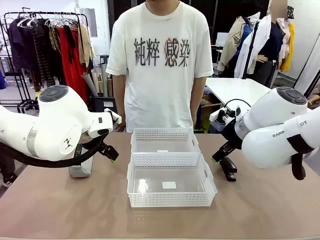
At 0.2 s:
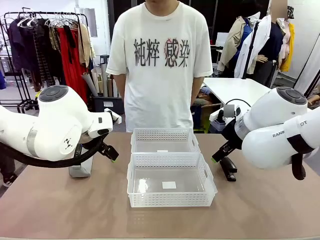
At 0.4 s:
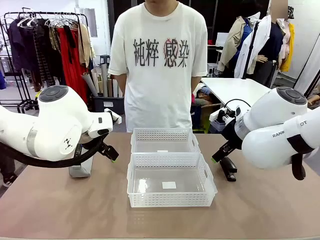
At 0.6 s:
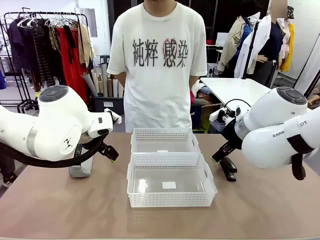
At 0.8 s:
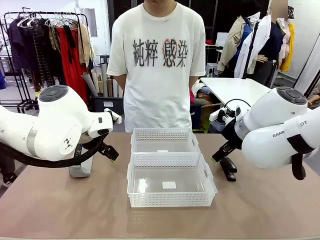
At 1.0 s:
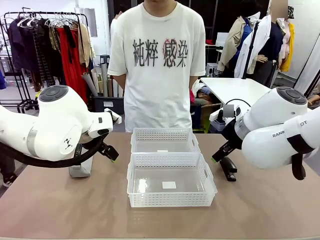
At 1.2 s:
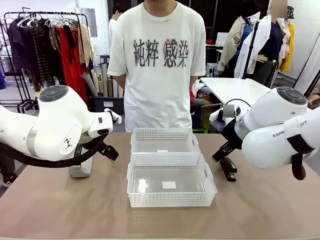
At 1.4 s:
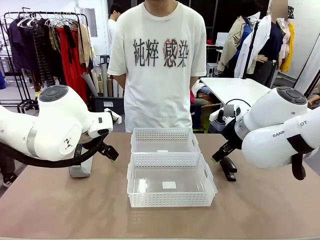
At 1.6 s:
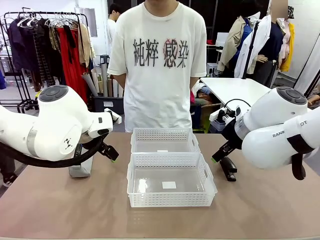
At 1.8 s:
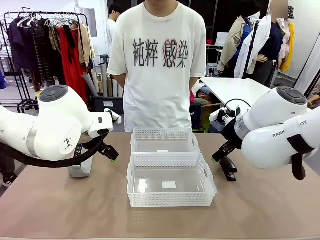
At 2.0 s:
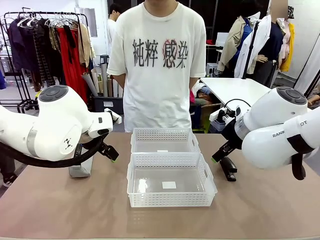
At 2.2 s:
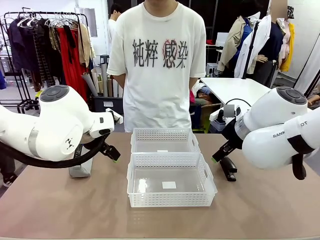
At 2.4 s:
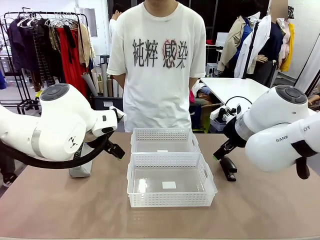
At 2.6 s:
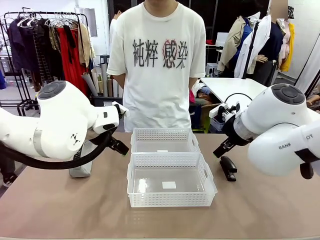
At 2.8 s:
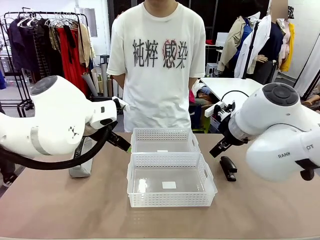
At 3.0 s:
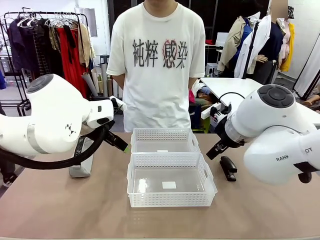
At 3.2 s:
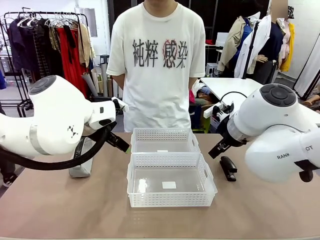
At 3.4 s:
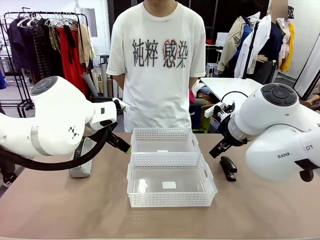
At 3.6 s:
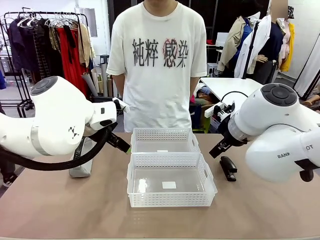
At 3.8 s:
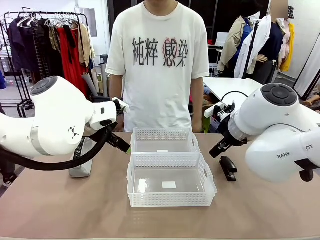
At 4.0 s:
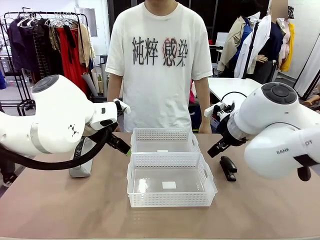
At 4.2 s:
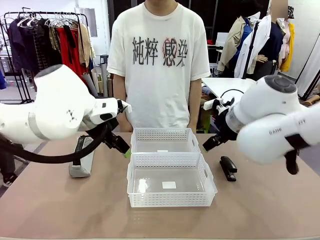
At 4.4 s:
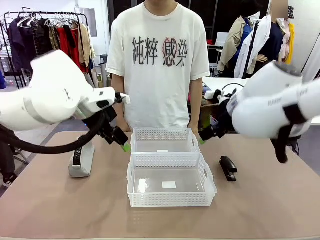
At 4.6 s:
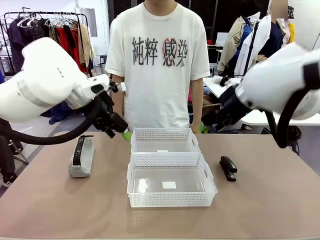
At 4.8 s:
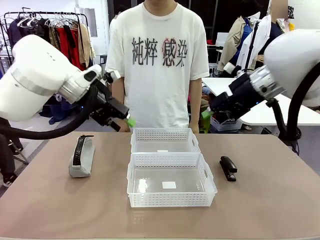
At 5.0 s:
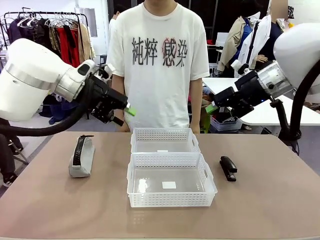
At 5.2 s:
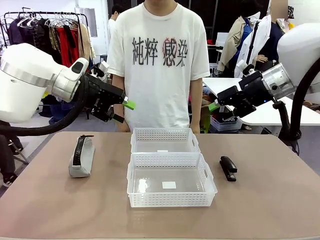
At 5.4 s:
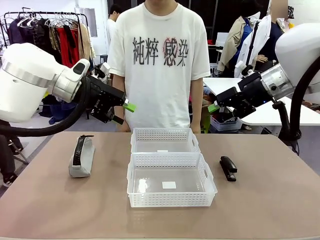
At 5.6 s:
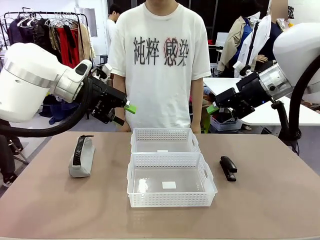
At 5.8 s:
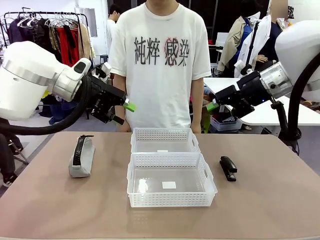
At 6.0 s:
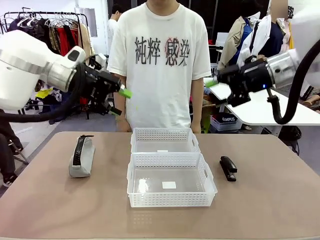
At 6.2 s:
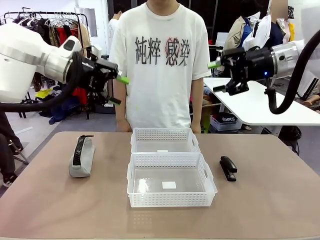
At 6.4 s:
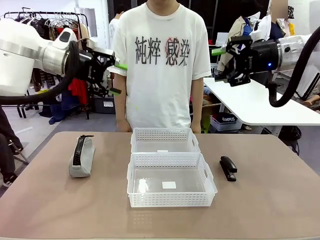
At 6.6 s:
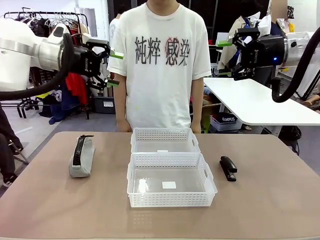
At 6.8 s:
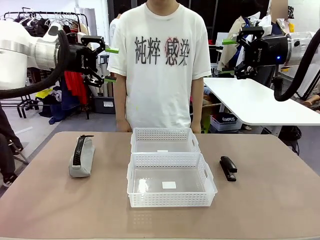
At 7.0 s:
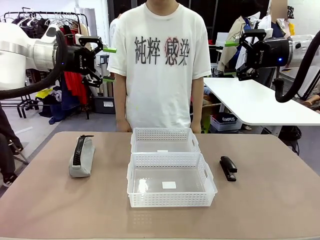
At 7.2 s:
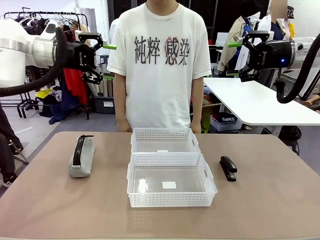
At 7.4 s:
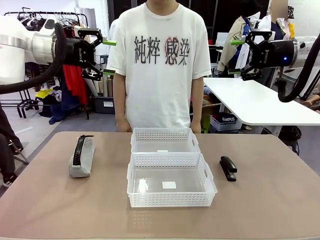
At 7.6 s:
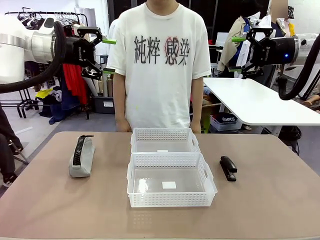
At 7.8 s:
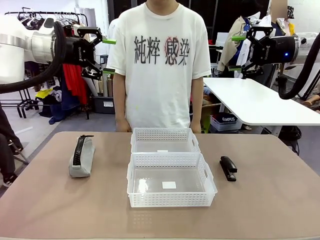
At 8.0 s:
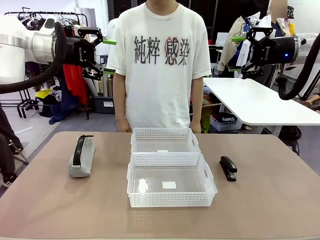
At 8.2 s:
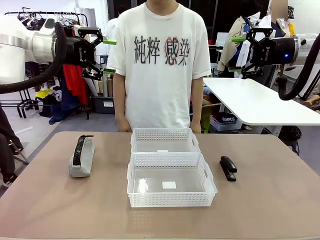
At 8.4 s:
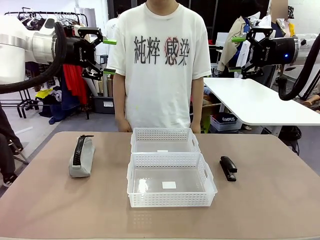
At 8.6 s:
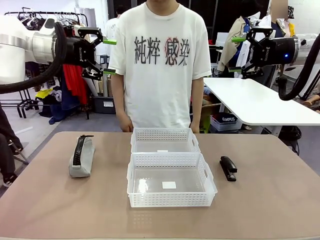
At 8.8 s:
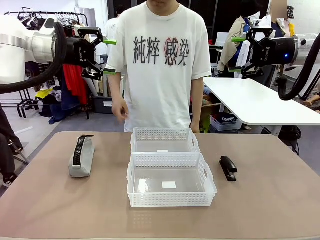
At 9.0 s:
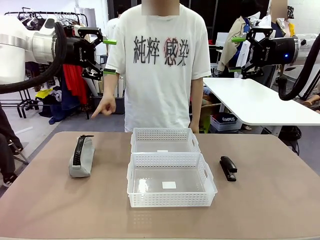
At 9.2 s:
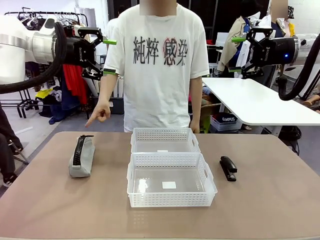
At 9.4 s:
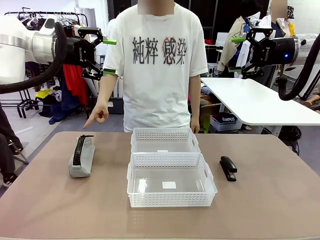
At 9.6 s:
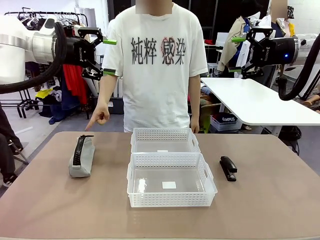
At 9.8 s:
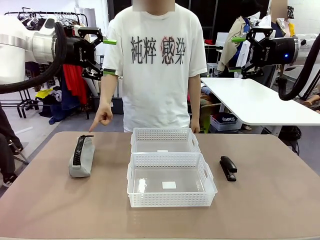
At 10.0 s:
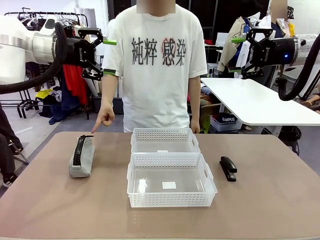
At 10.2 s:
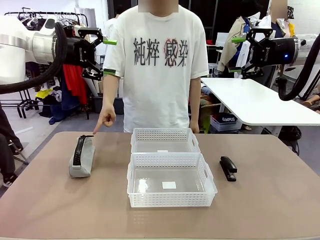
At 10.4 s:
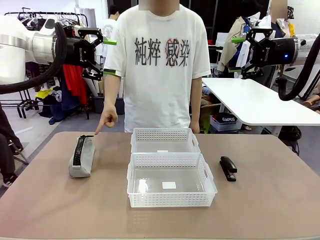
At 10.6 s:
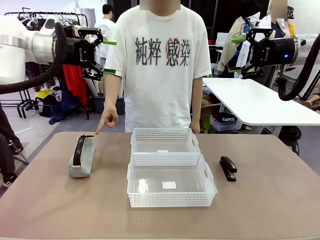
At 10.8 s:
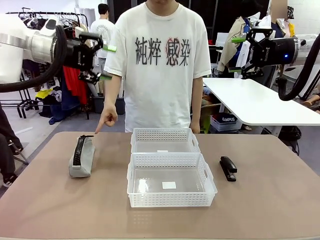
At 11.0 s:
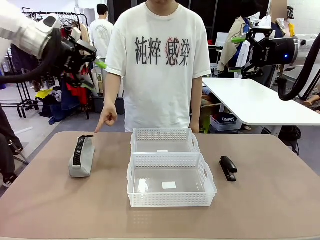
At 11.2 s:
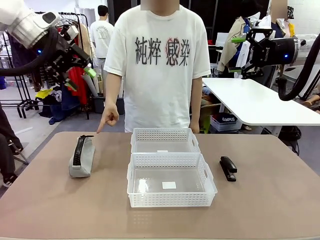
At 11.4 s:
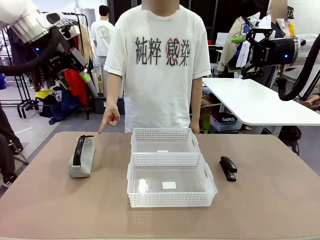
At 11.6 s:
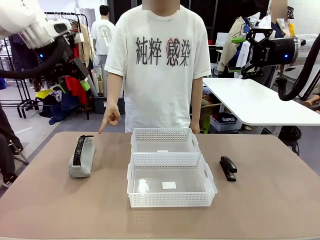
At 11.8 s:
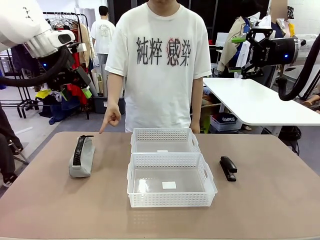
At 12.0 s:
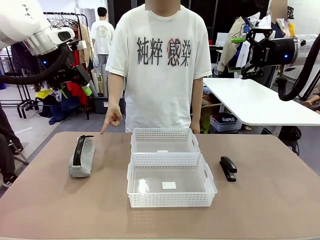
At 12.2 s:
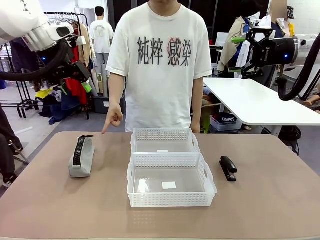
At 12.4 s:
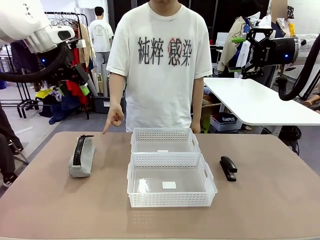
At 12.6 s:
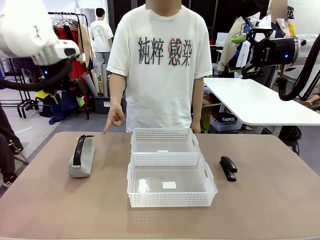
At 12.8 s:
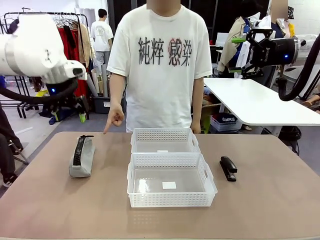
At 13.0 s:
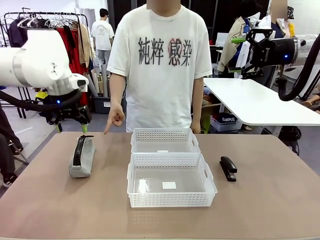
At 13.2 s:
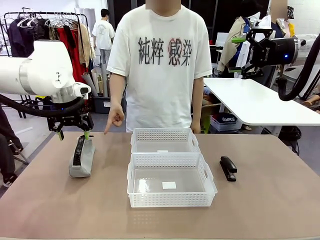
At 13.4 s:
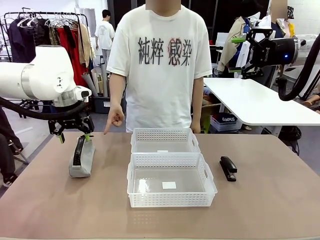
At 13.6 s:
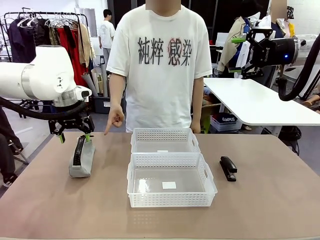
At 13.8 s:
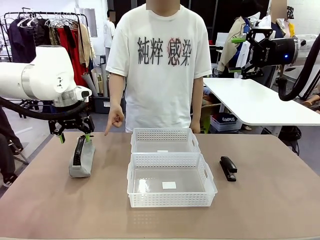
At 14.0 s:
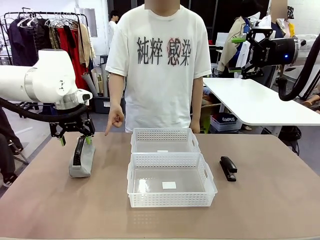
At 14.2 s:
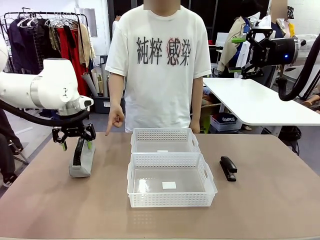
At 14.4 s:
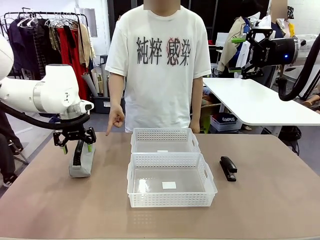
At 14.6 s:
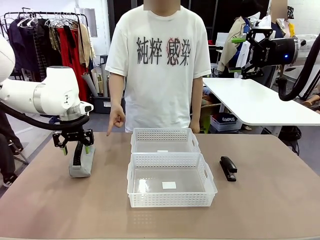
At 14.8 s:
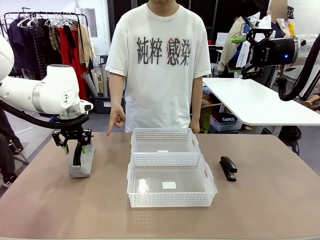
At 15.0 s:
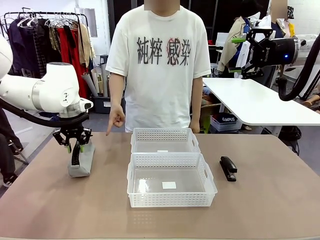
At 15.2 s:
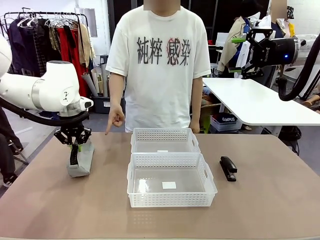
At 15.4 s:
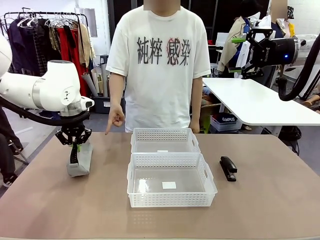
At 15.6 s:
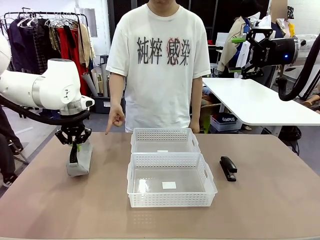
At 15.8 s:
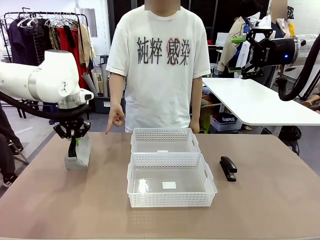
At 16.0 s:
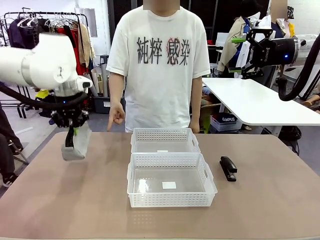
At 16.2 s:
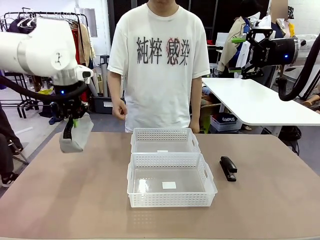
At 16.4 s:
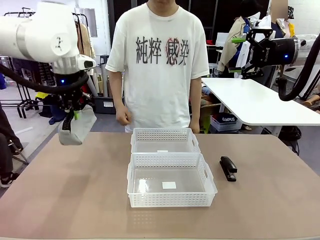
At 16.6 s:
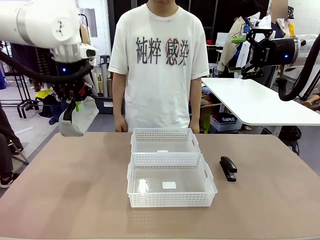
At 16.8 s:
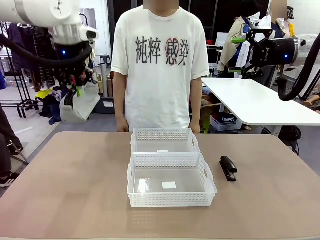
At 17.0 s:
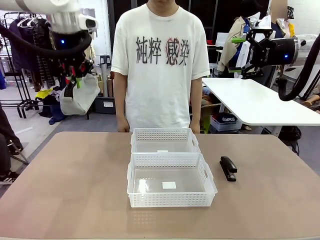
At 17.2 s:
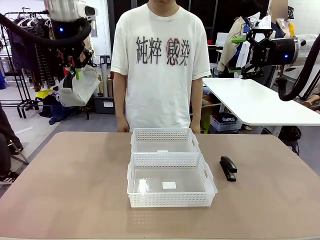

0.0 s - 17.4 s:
Task: Distribute items into two baskets.
Robot: Pick up the Pencil pouch that the person points to.
Person: Points to the pencil case. Points between the two organizing baskets and instructs the robot to move the pencil case.

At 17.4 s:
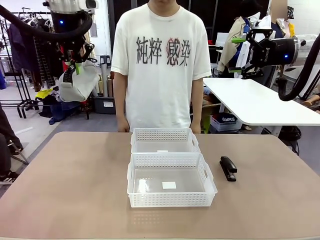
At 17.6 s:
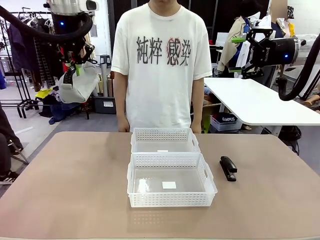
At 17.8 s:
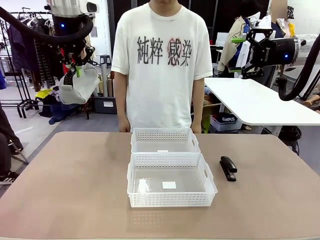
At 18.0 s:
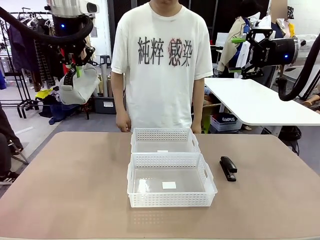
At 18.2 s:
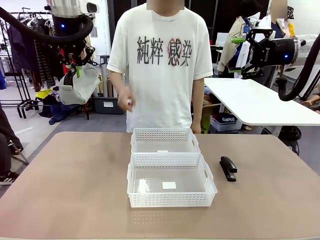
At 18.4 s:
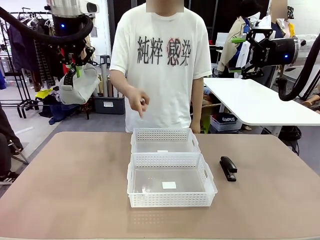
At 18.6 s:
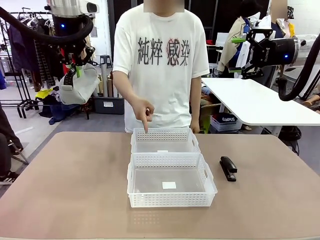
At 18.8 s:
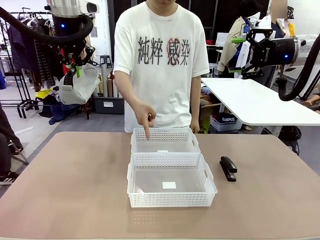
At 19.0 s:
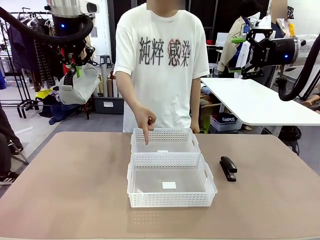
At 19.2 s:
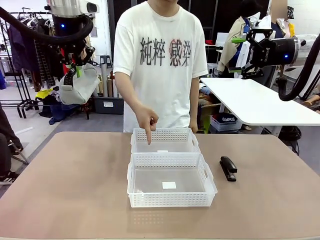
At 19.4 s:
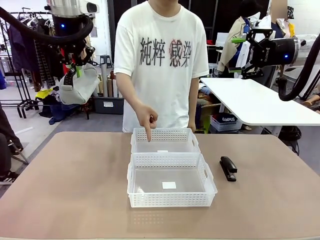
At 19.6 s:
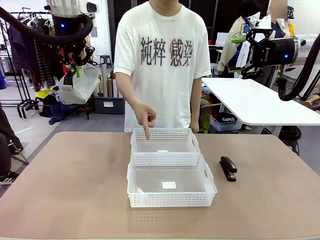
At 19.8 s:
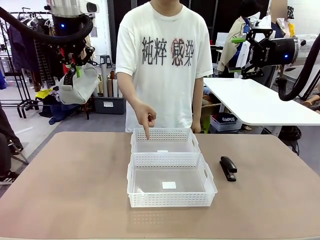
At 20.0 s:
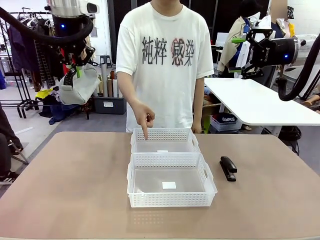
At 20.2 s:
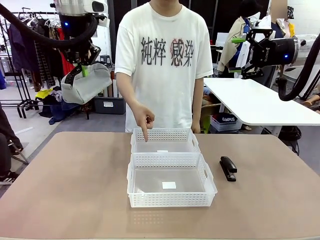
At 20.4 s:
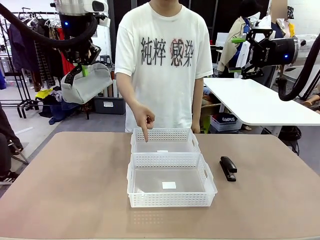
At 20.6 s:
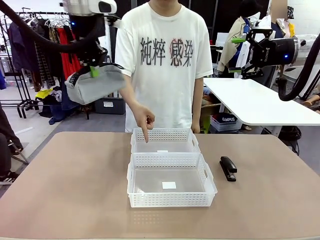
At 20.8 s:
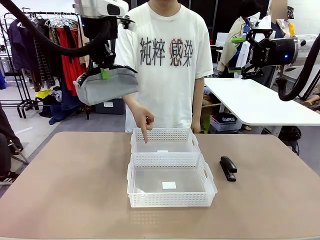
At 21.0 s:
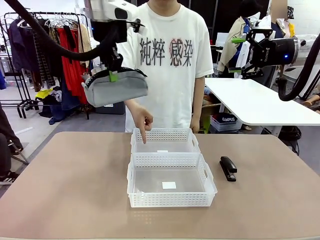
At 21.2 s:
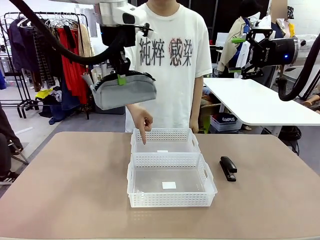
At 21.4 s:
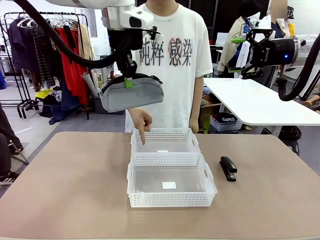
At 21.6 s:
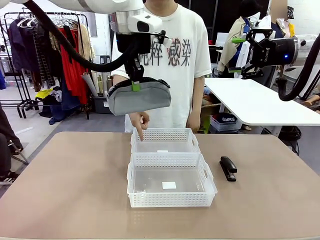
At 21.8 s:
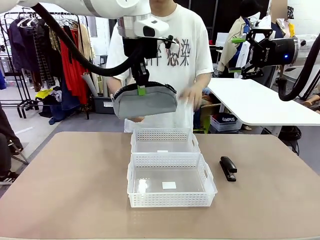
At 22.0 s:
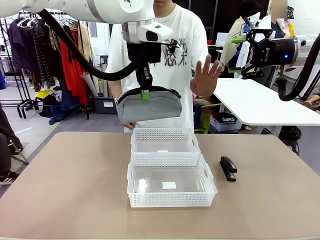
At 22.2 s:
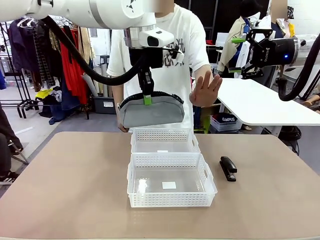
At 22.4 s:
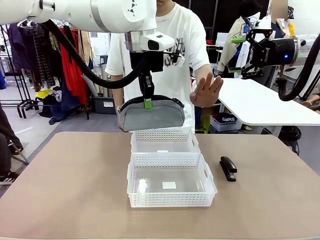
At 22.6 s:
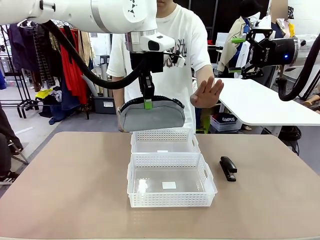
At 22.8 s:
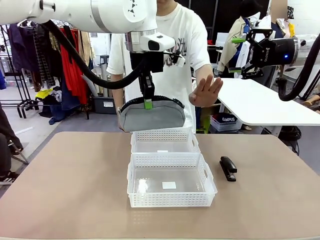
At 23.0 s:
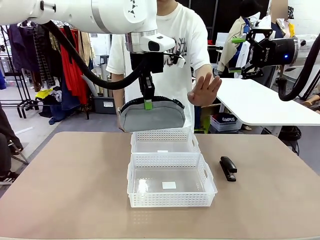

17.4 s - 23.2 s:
Robot: Move the picked Pencil pouch towards the Organizing basket indicated by the person, stopping as directed.
Person: Sends a stop gesture before the robot places the pencil case into the basket.
